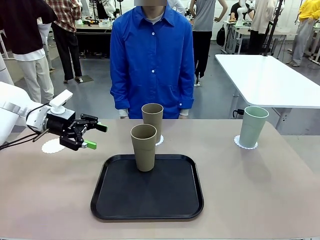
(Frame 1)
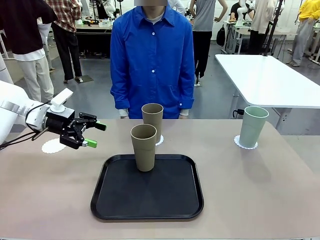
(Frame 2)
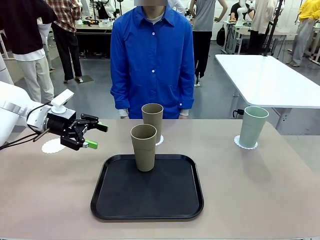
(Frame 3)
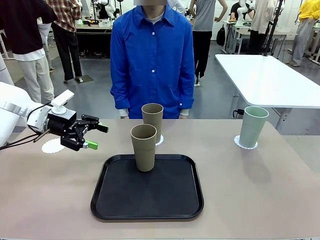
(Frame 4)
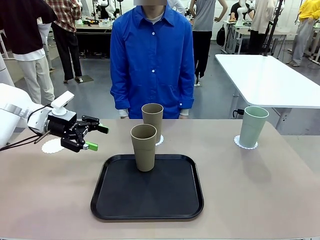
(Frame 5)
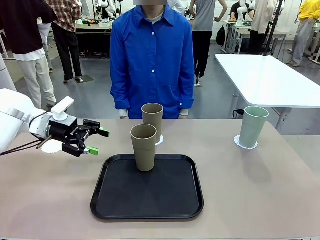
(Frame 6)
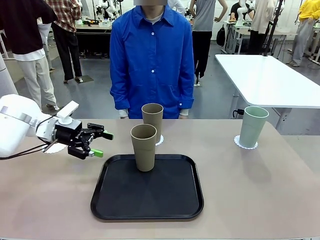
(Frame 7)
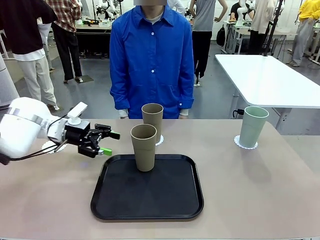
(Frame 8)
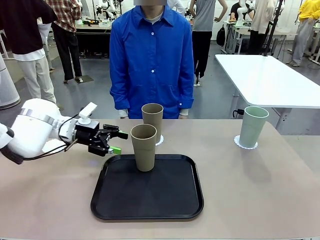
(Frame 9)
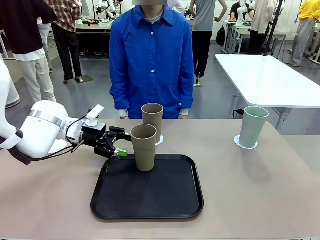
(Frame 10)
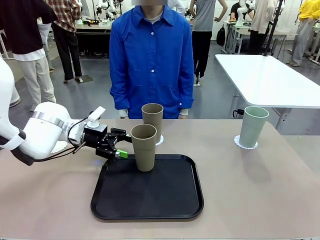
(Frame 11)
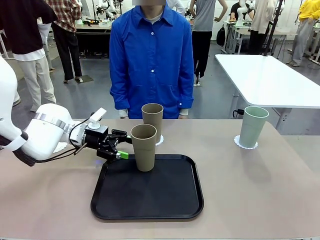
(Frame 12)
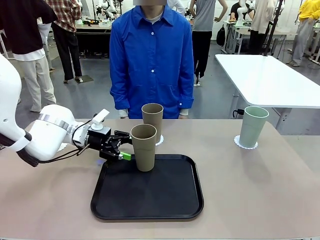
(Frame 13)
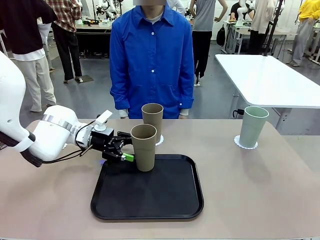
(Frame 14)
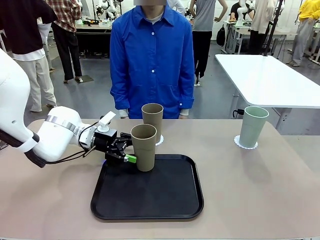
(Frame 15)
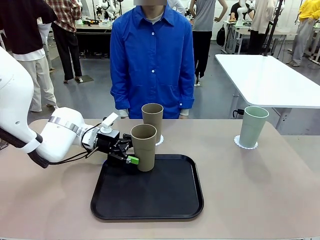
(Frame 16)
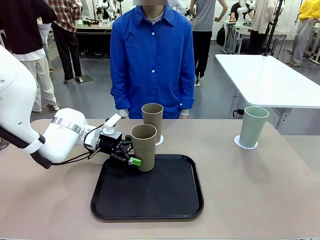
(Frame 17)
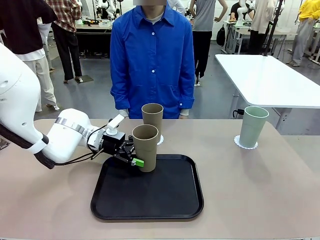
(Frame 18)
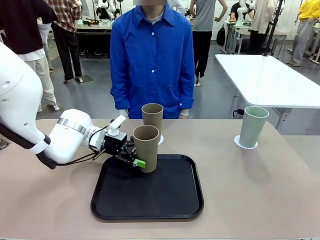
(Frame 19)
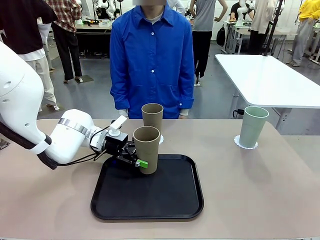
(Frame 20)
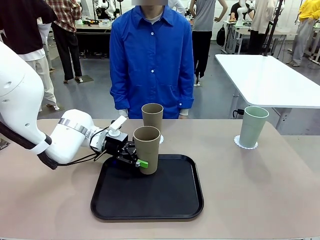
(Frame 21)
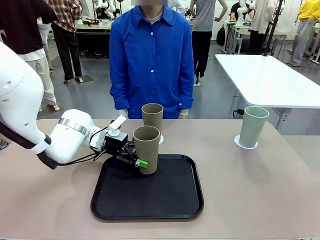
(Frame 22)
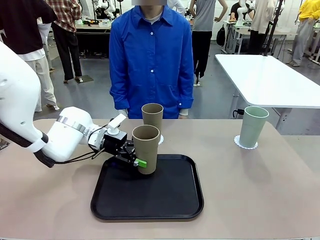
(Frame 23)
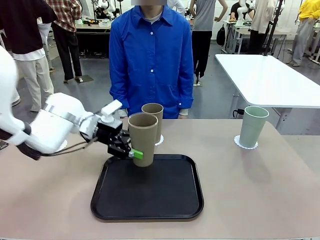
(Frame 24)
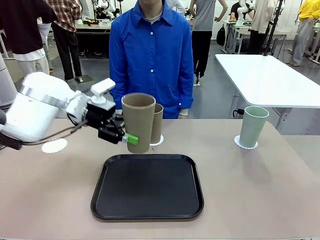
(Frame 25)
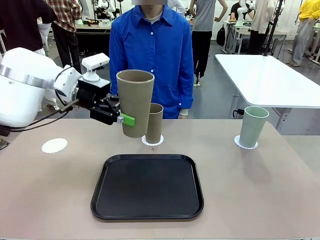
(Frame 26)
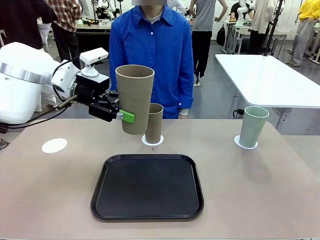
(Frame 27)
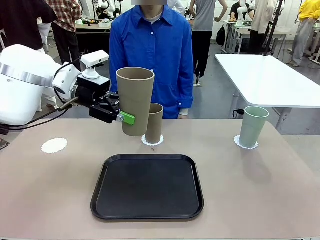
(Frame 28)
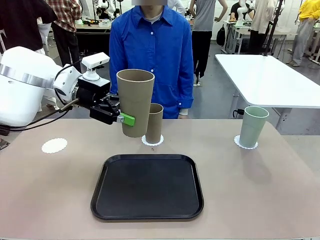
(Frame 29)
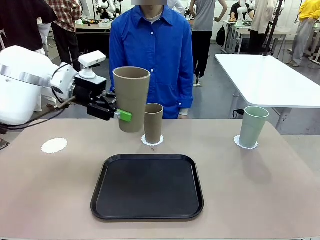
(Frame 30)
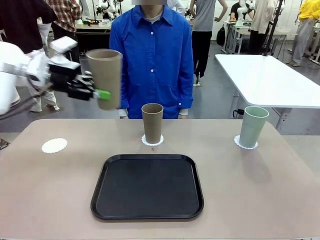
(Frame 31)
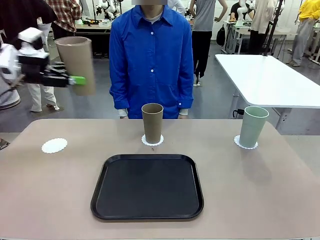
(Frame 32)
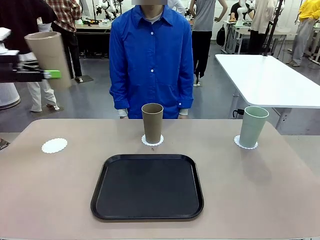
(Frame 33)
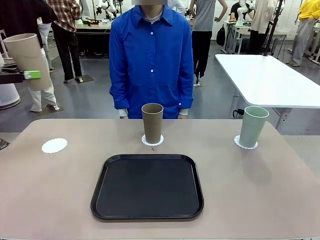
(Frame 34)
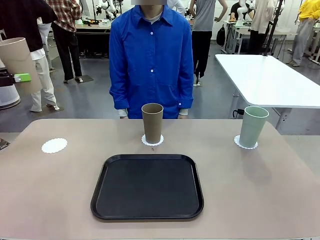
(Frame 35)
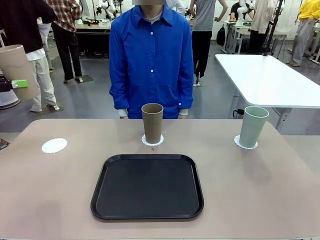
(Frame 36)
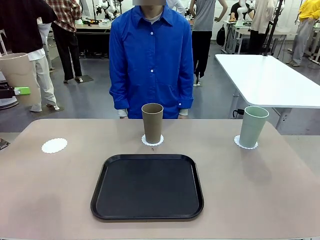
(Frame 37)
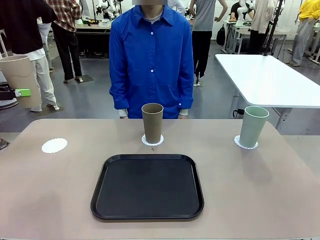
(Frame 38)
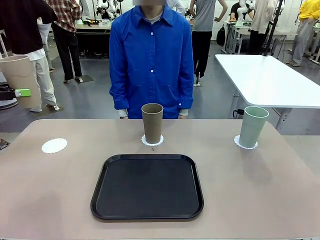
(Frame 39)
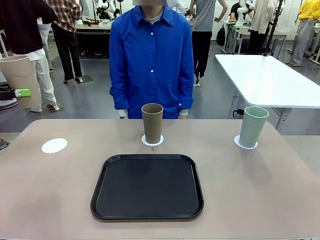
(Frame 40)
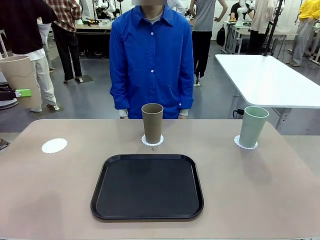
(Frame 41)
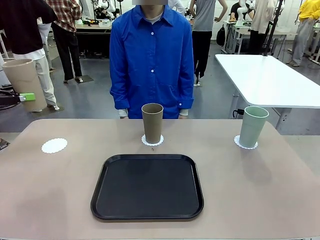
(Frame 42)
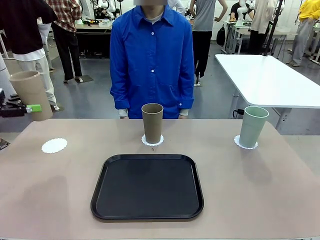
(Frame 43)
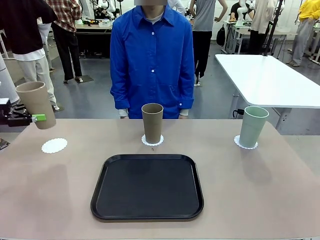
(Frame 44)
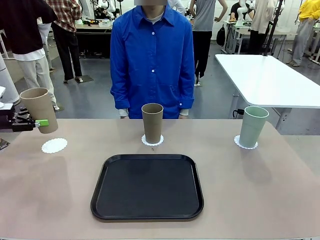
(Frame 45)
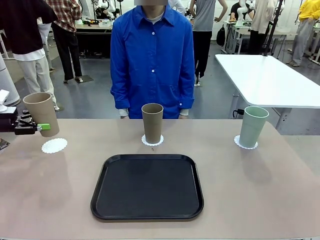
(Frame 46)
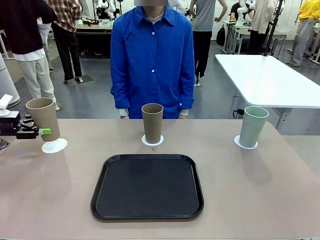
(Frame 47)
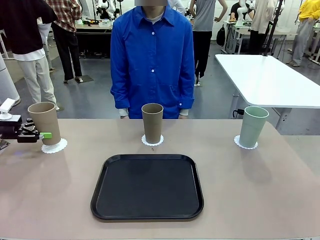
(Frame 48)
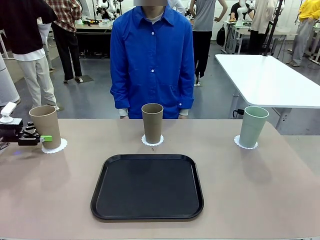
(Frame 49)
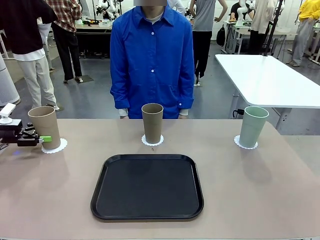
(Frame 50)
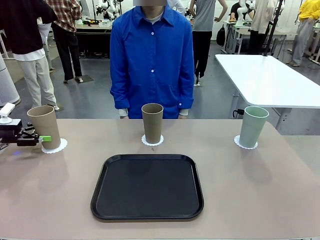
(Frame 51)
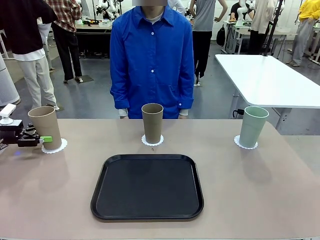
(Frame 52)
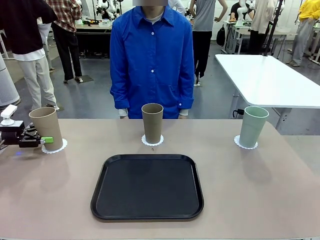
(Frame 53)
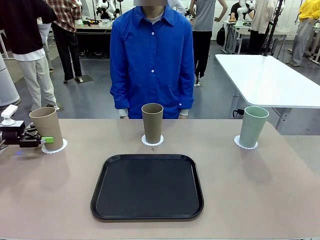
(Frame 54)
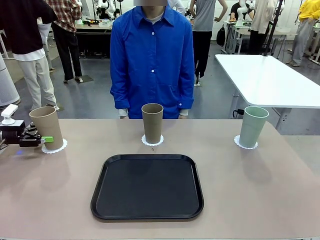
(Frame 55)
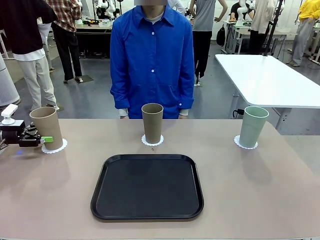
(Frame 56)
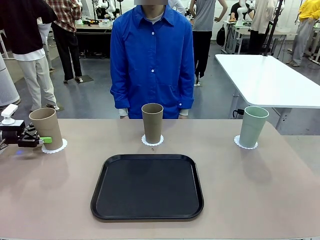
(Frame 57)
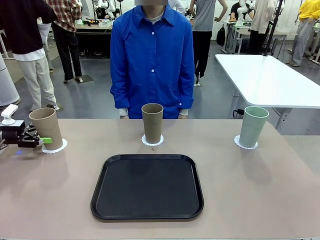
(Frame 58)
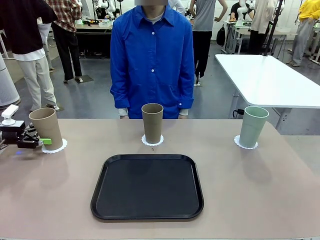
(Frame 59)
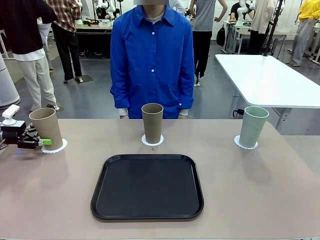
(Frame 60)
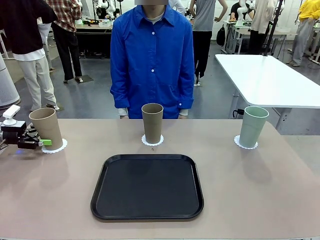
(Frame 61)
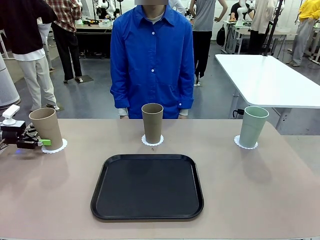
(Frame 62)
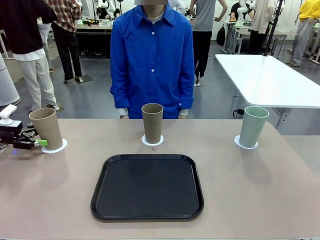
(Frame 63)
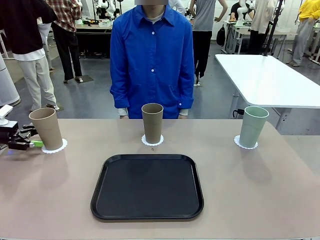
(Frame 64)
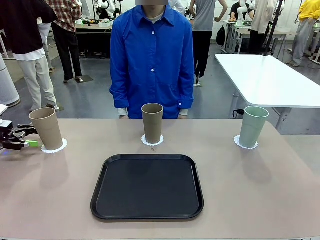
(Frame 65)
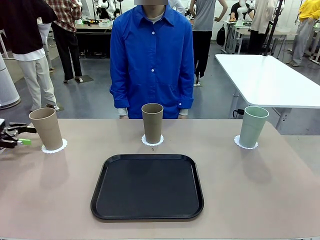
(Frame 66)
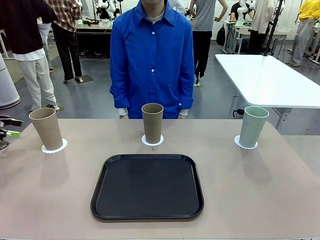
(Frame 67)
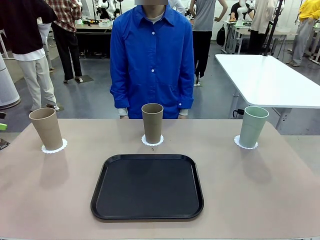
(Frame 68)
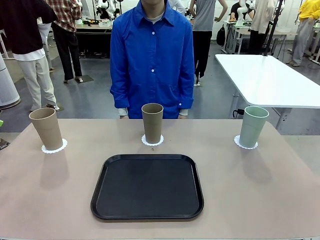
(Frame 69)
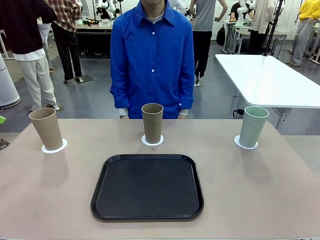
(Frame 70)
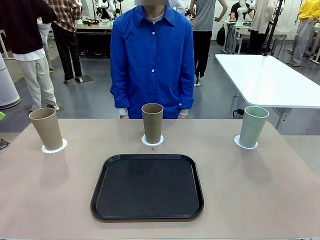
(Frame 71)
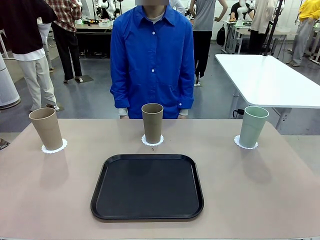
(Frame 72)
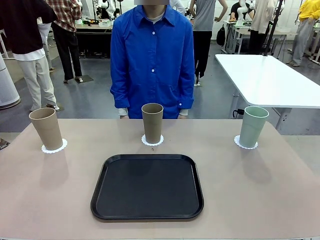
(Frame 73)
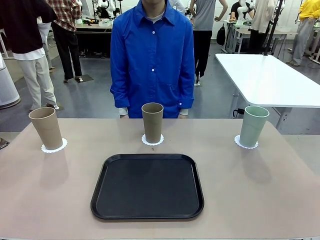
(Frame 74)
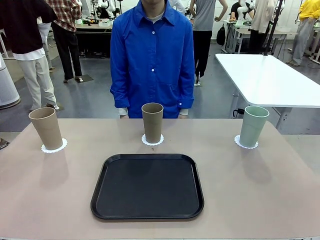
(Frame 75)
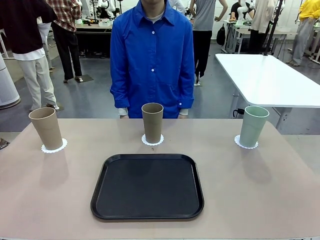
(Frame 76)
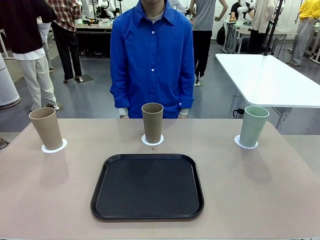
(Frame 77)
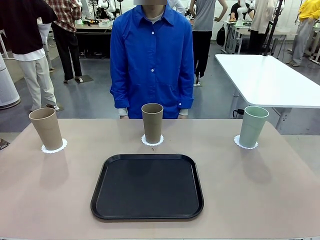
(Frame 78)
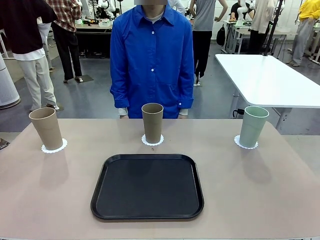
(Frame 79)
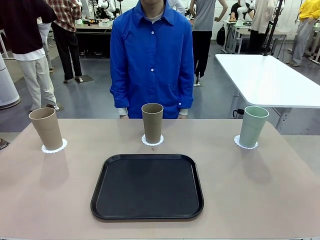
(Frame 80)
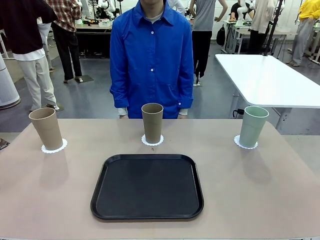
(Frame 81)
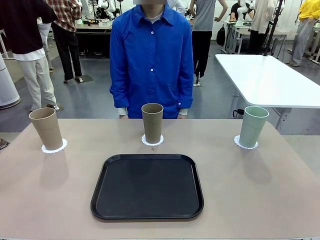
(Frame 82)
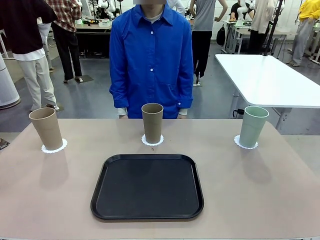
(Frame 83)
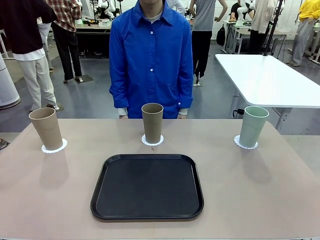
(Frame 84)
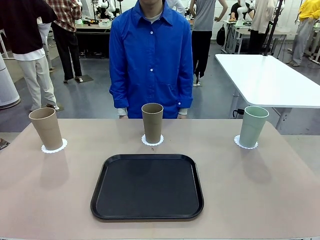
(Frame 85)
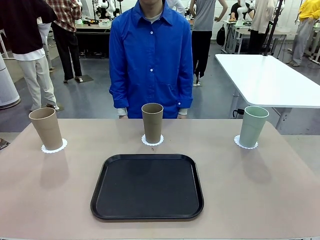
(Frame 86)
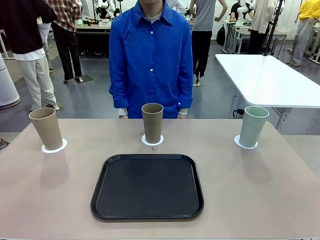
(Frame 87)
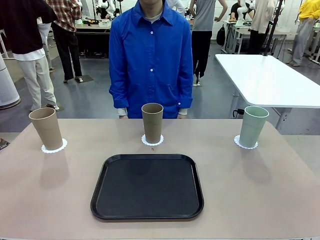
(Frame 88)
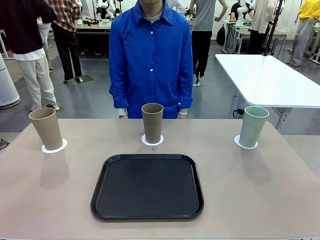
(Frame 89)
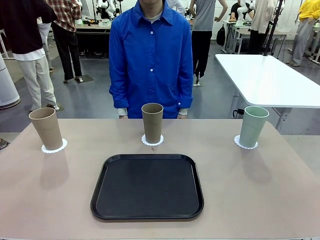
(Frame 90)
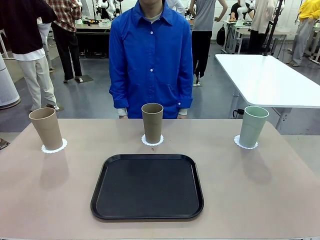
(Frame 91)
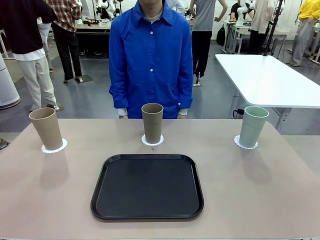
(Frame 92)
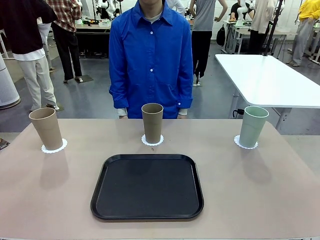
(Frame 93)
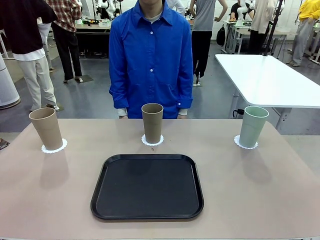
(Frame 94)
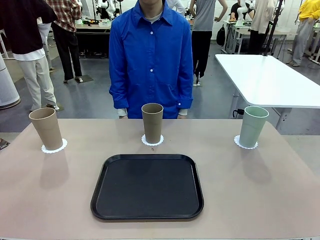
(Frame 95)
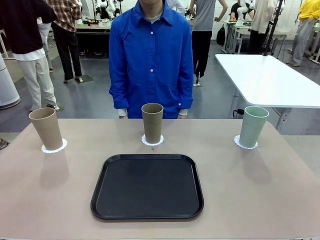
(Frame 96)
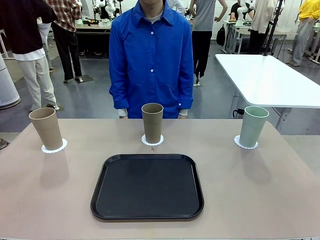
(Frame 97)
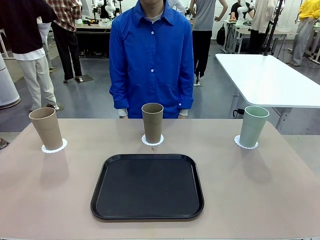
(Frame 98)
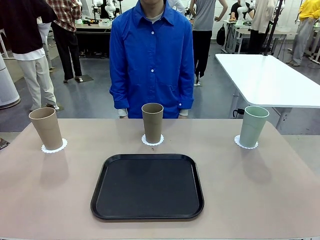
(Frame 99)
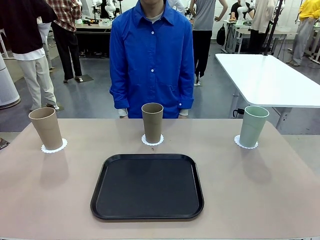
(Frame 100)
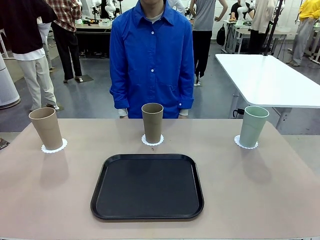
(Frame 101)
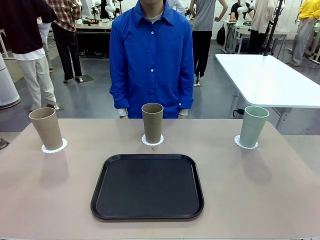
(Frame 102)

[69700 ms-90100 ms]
Task: Place coasters on the table and set cups on them.
Robot: Take one Reusable plastic cup from the Flat Tray and place it on a coaster set by the human.
